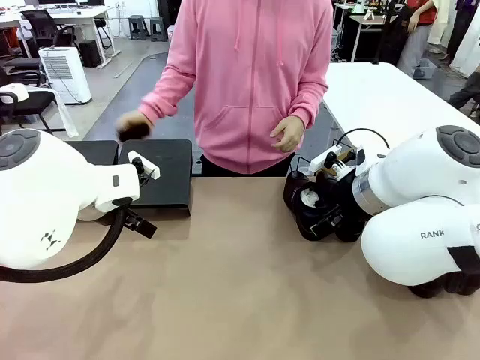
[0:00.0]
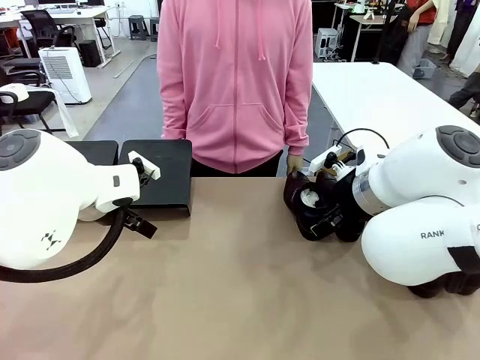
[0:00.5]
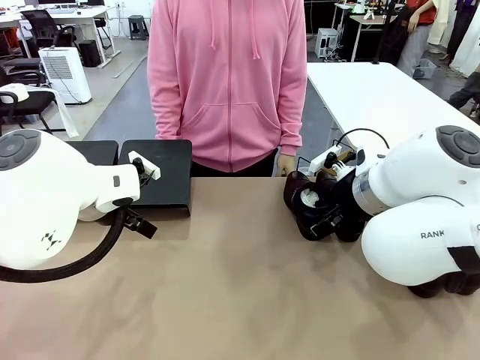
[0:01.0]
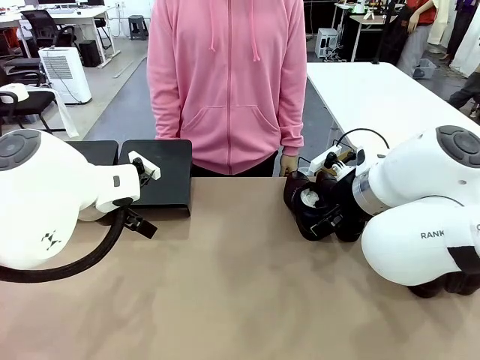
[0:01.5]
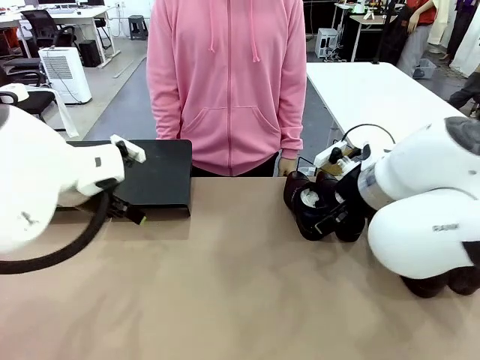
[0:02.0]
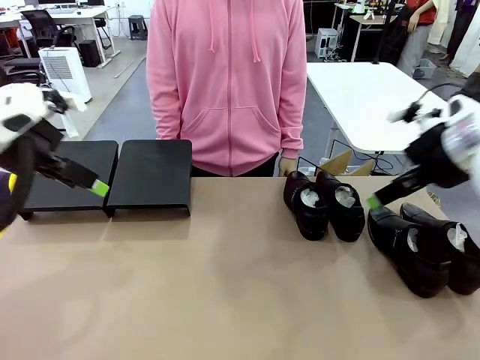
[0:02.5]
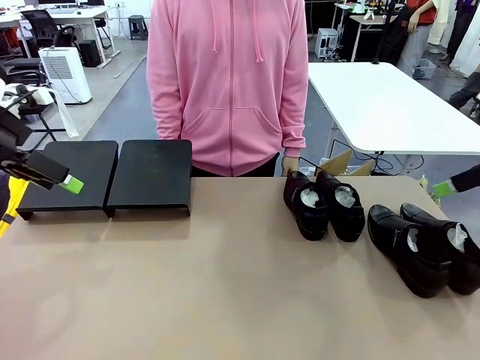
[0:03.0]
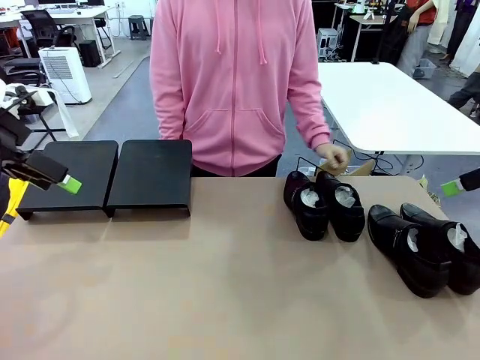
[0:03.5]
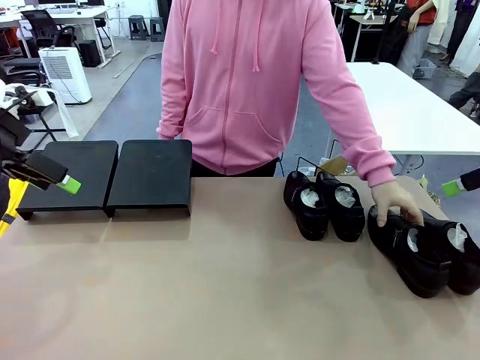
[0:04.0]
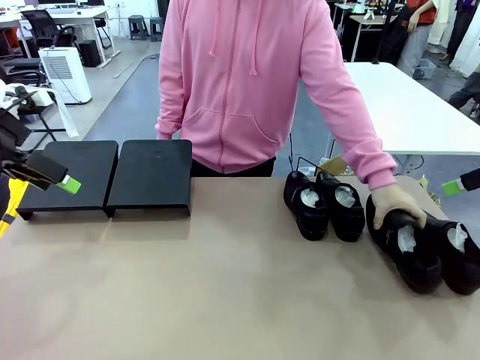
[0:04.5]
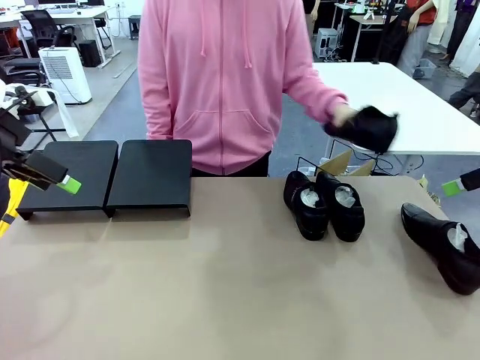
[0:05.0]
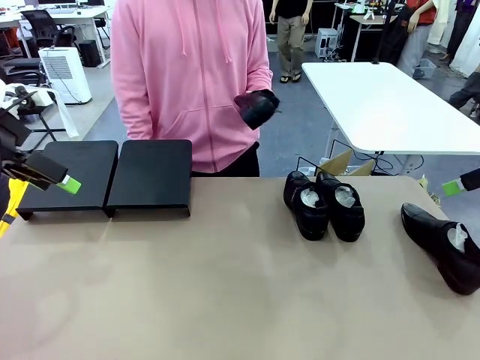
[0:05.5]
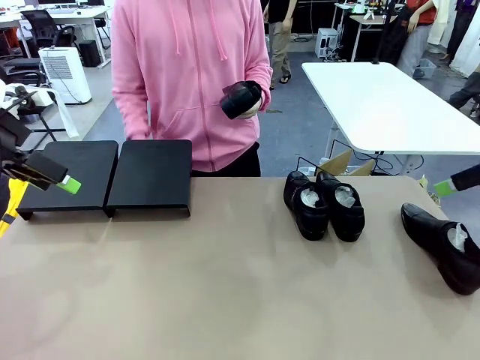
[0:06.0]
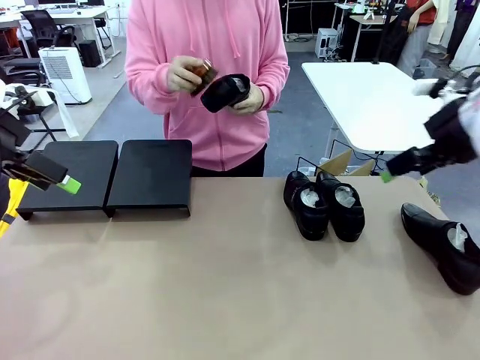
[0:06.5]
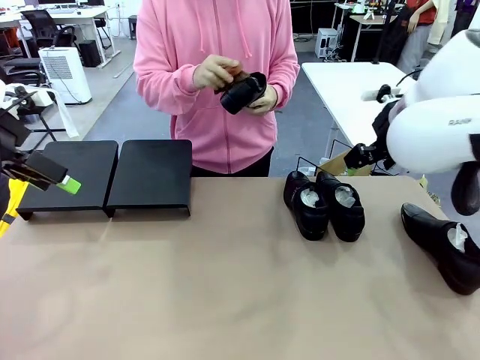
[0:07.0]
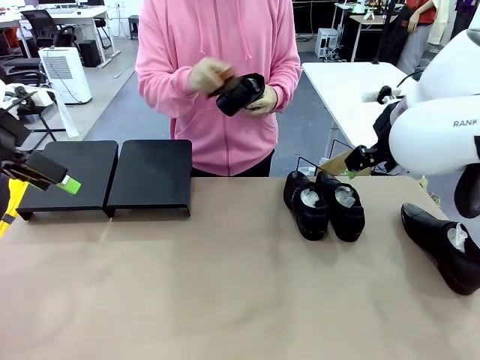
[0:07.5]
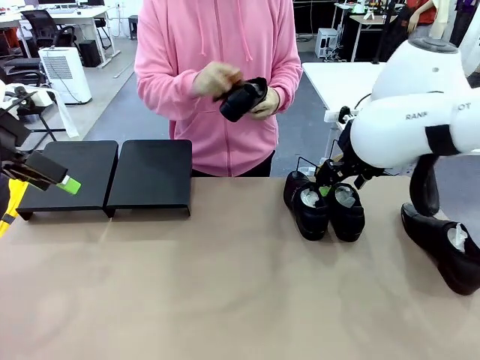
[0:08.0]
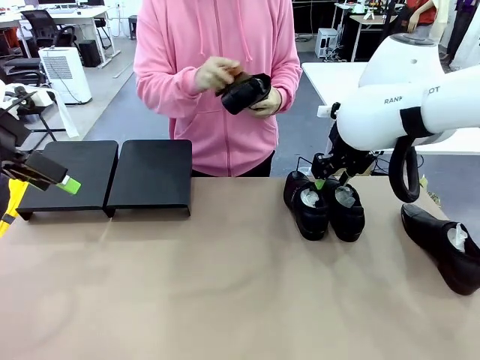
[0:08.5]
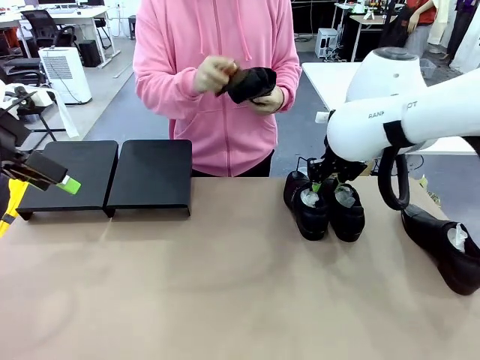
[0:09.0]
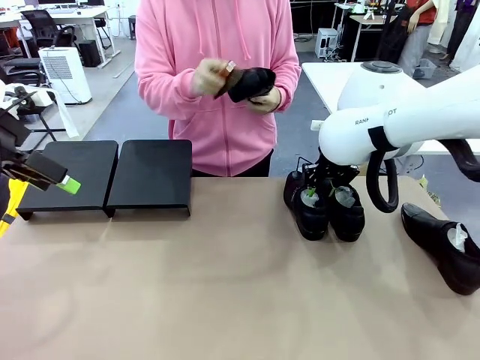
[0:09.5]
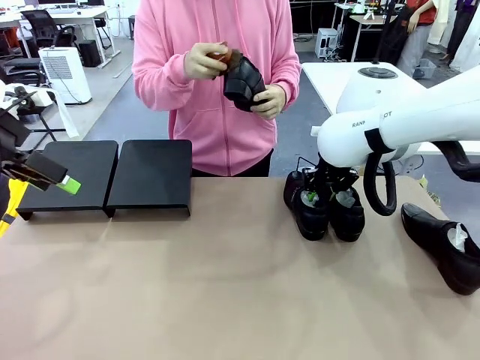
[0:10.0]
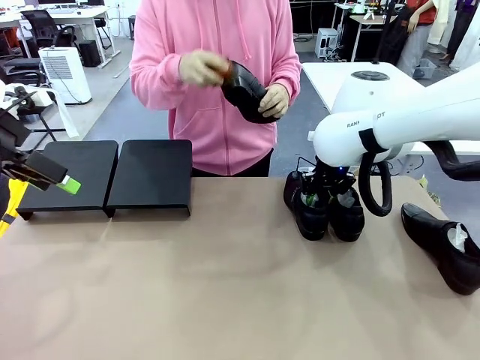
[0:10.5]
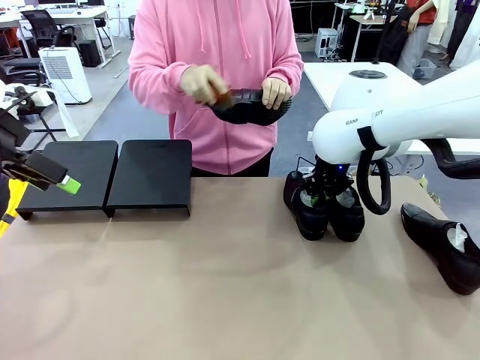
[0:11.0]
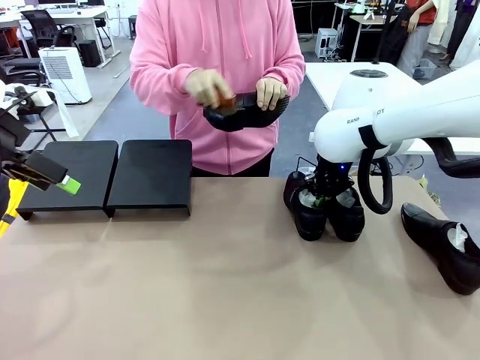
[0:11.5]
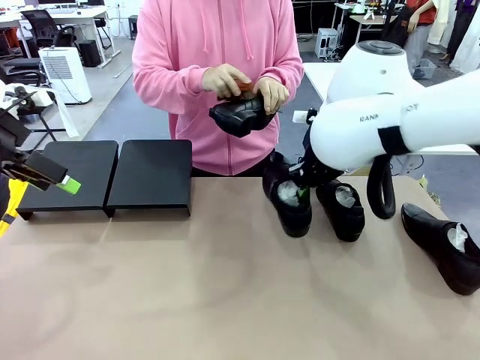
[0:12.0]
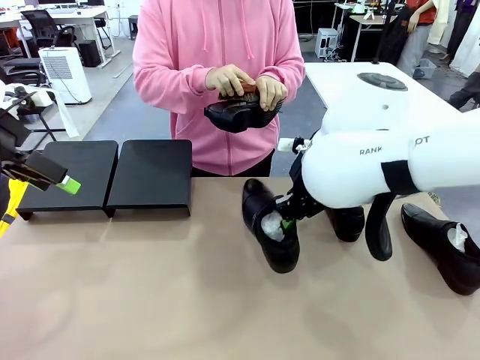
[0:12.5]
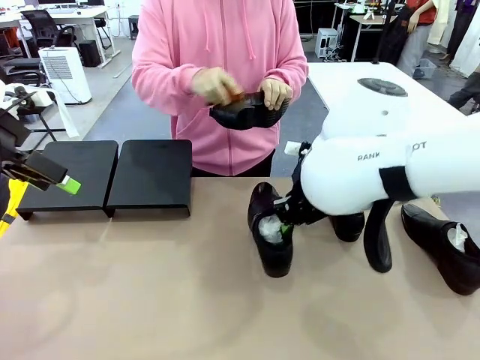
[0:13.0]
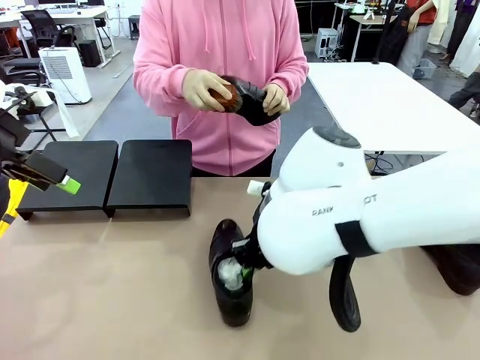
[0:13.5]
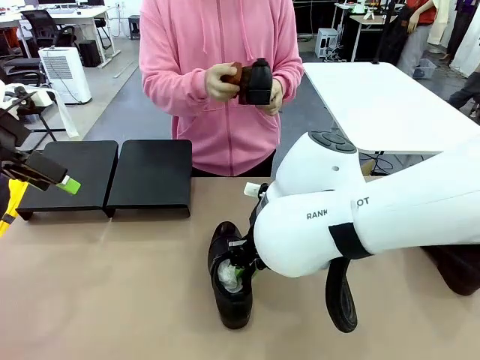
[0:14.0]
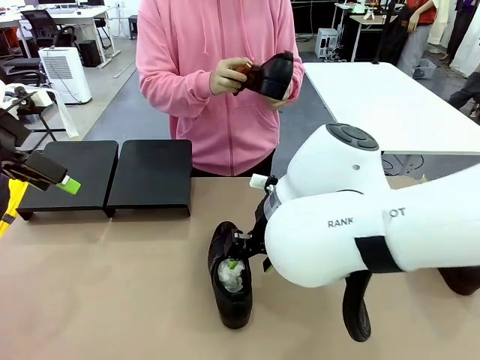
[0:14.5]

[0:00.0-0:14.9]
Task: Organize the shoes by placing them on the stand.
Robot: Pick up one Shoe and place it in the middle of the table.
Person: Pick one Shoe on Robot's table. Clean the Shoe with the Shoe Brush.

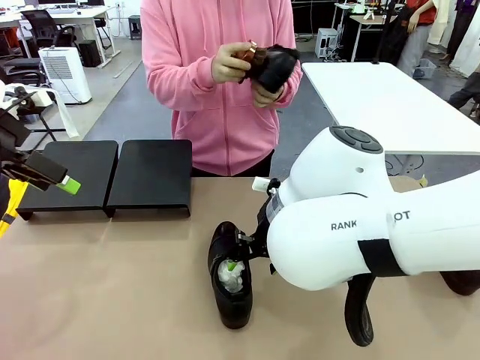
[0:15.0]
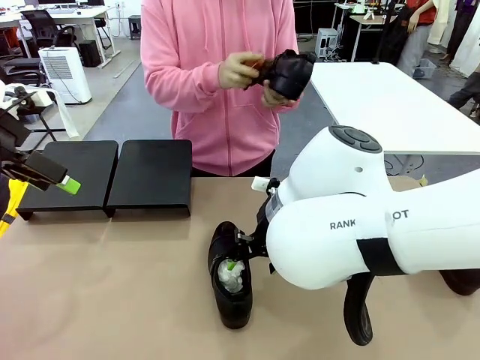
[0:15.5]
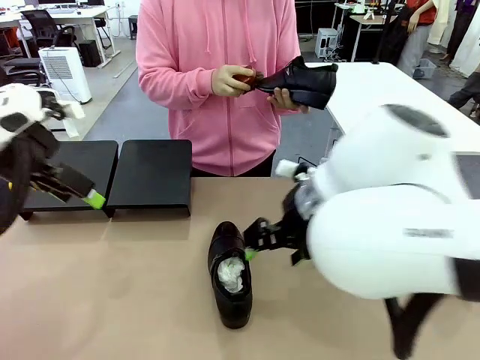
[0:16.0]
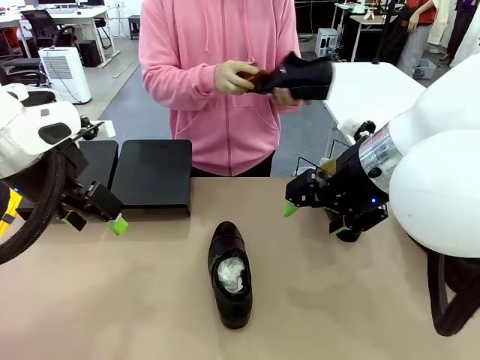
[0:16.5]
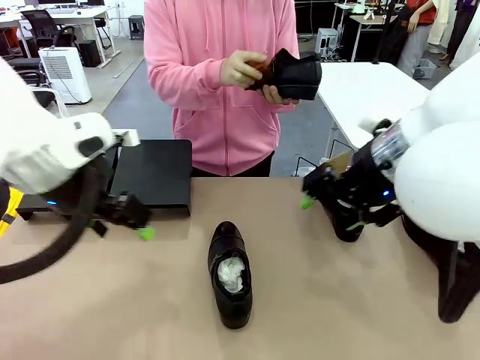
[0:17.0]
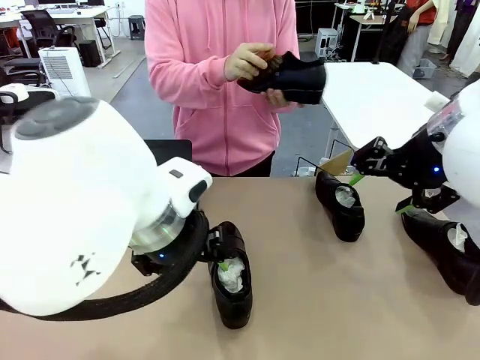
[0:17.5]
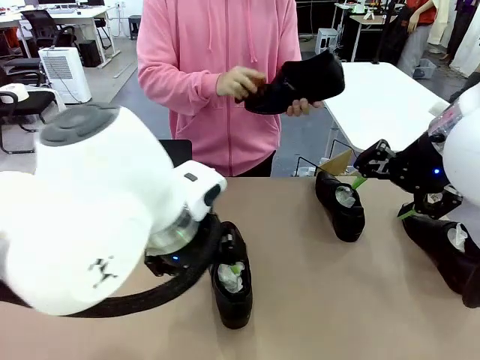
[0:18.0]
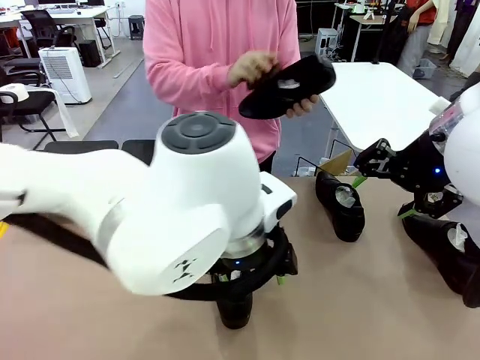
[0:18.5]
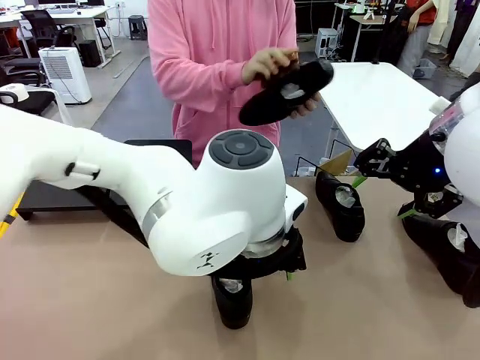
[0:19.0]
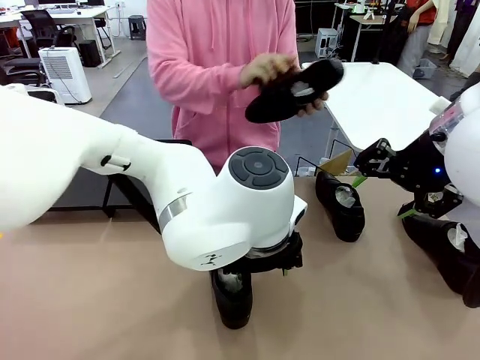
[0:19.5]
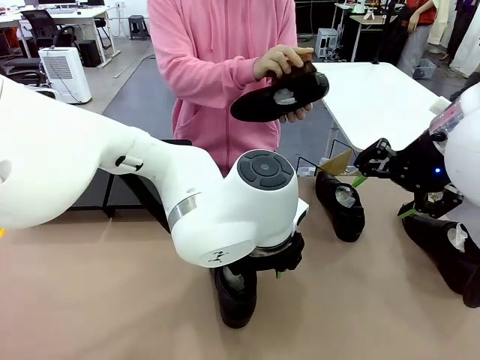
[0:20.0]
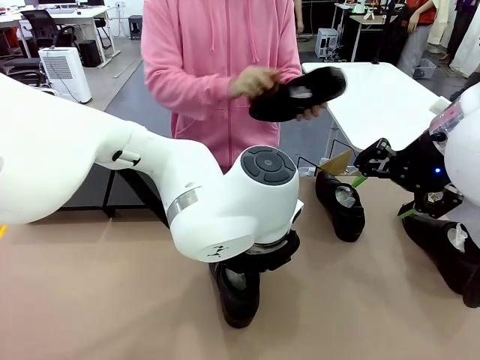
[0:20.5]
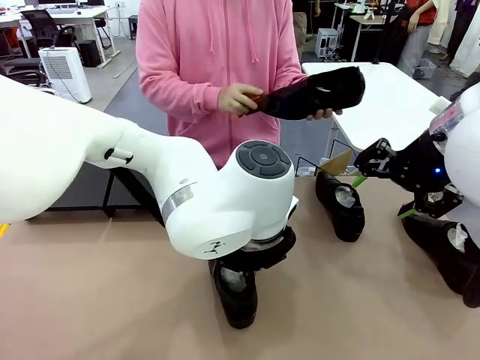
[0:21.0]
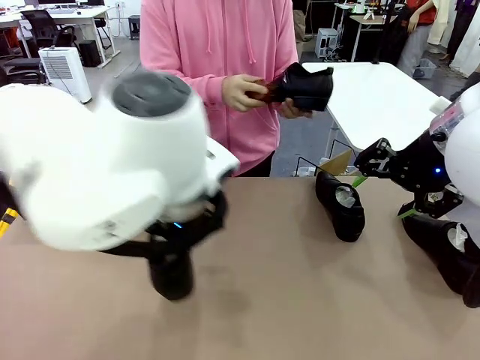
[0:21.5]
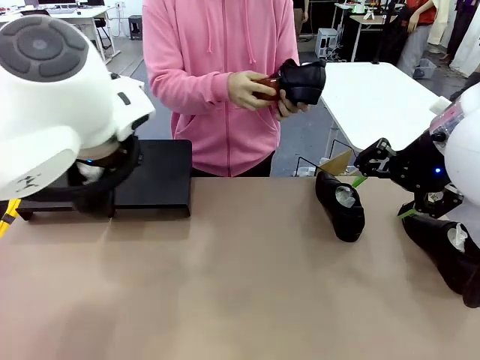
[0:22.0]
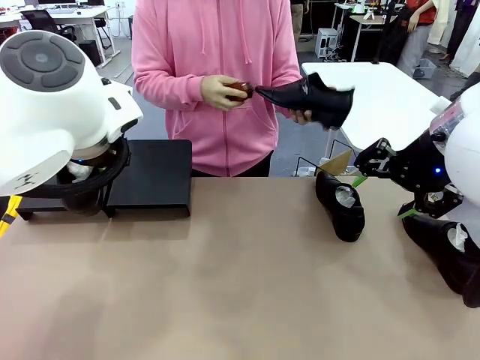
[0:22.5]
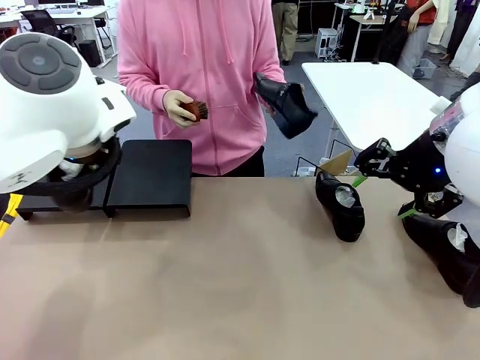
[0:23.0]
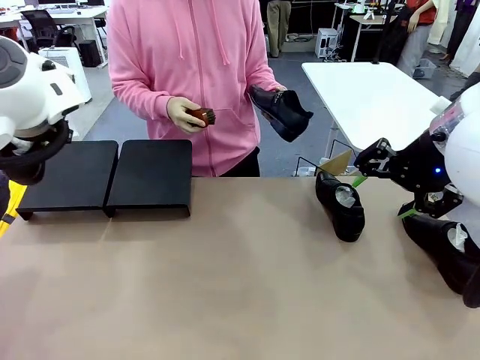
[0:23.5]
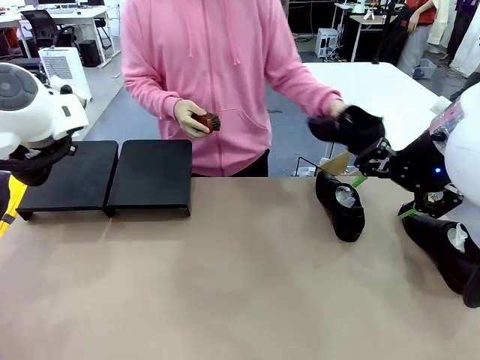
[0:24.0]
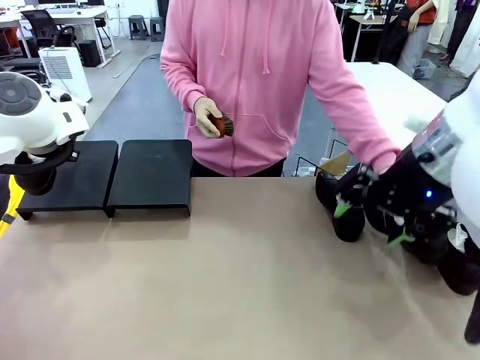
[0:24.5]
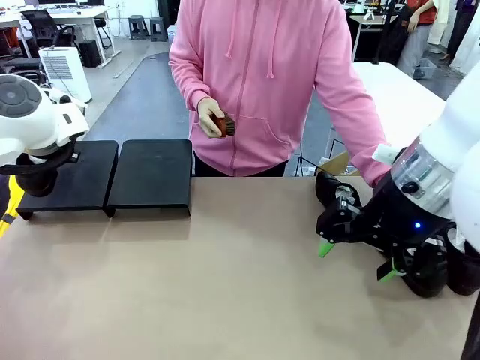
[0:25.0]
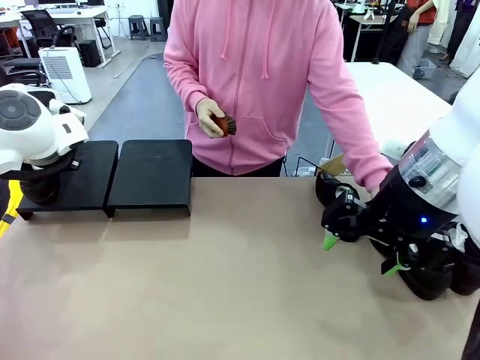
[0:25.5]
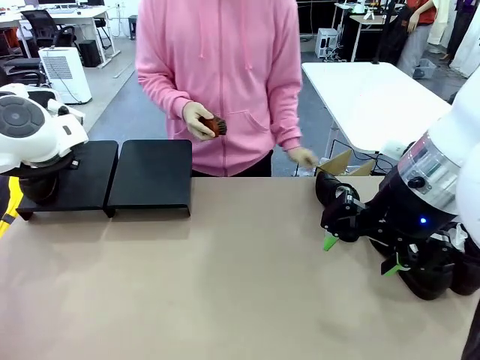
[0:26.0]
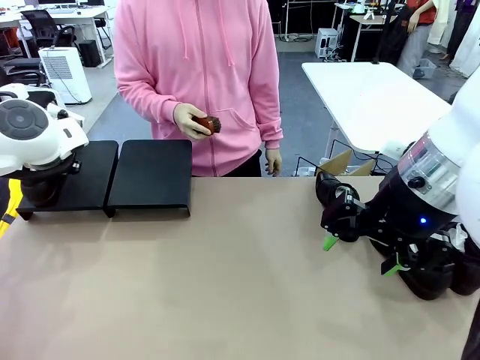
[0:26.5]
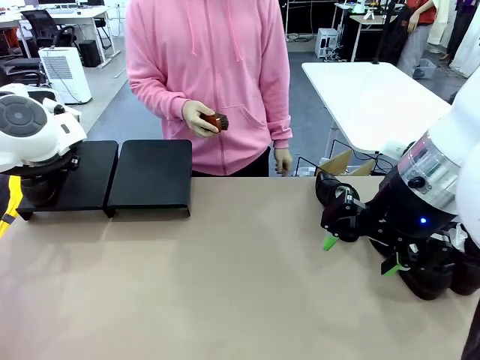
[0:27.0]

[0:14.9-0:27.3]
Robot: Place the Shoe from the middle of the table onto the Shoes Stand.
Person: Place the Shoe on left side of the Robot's table.
